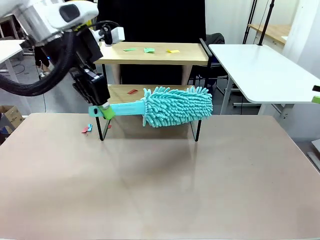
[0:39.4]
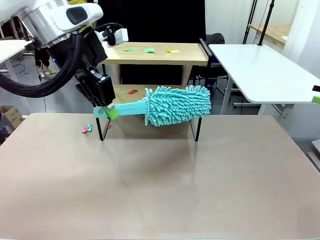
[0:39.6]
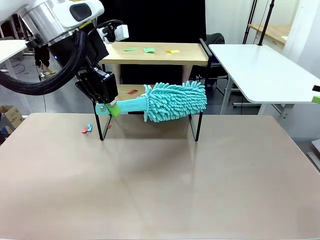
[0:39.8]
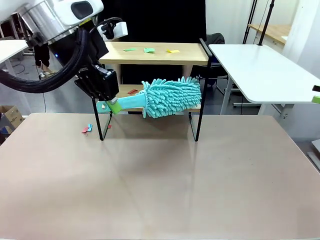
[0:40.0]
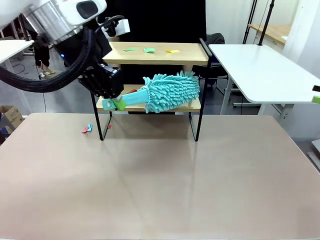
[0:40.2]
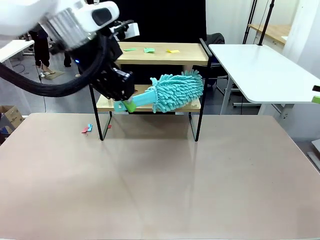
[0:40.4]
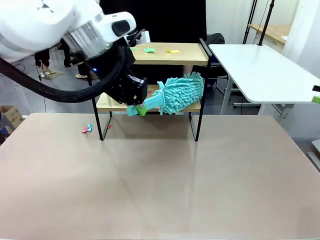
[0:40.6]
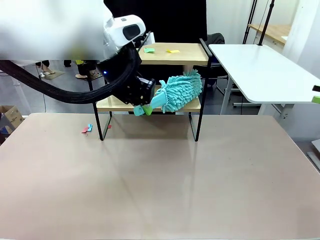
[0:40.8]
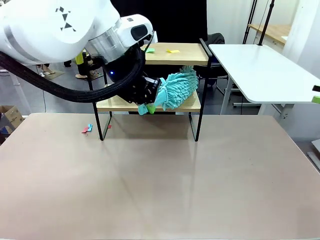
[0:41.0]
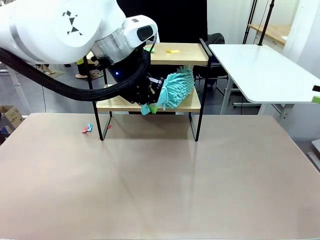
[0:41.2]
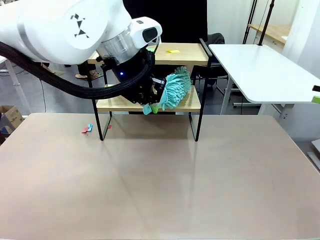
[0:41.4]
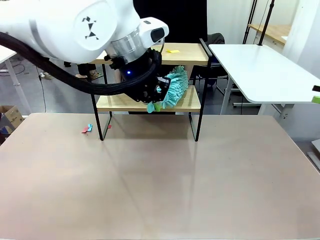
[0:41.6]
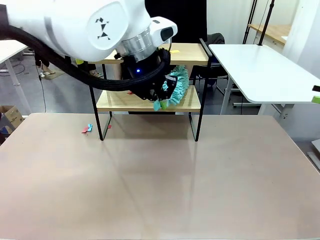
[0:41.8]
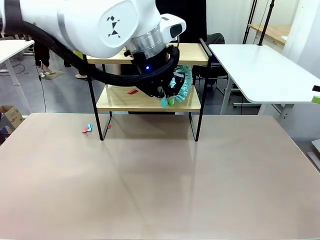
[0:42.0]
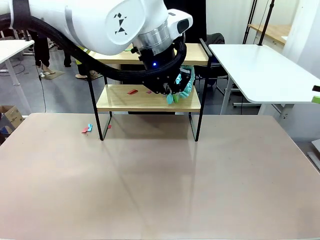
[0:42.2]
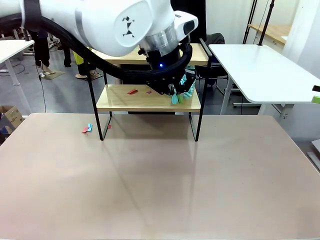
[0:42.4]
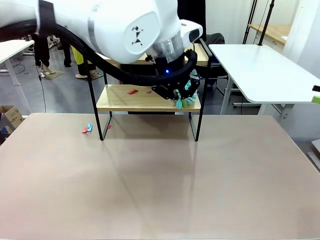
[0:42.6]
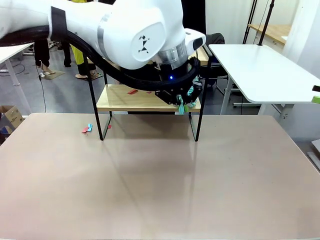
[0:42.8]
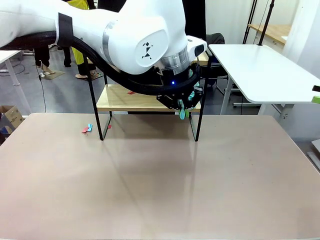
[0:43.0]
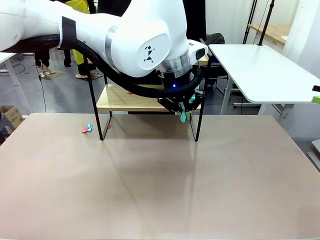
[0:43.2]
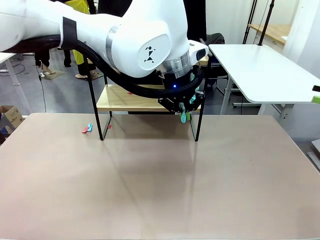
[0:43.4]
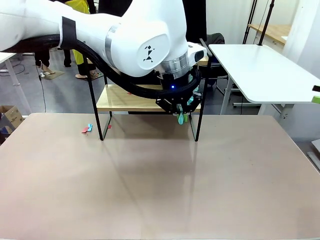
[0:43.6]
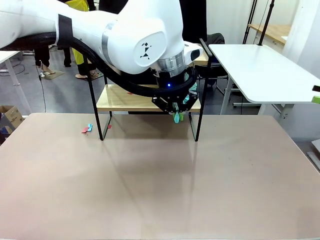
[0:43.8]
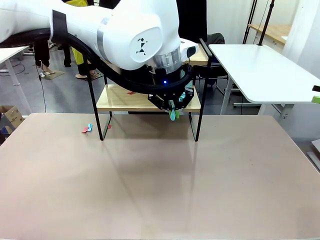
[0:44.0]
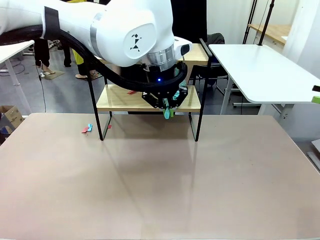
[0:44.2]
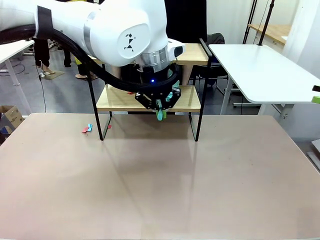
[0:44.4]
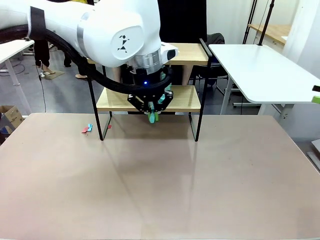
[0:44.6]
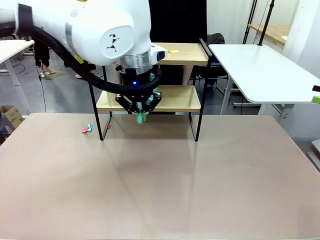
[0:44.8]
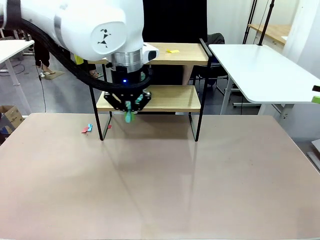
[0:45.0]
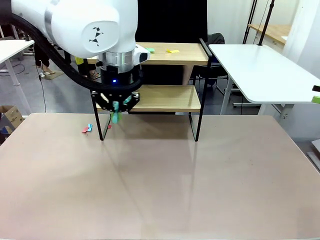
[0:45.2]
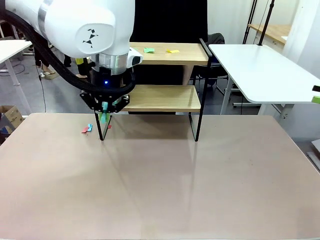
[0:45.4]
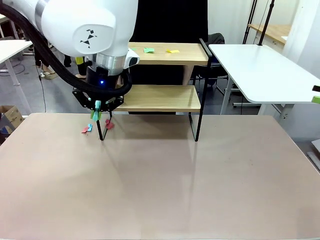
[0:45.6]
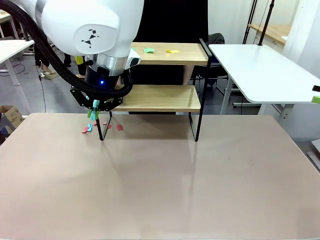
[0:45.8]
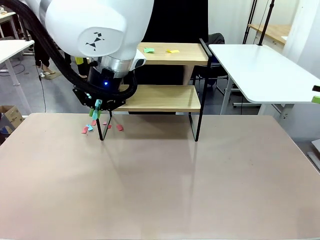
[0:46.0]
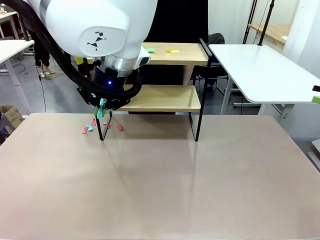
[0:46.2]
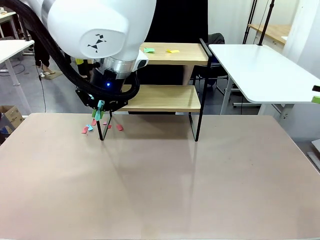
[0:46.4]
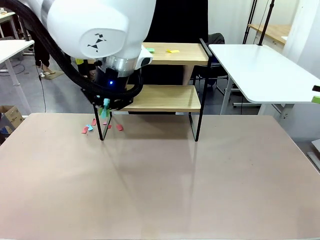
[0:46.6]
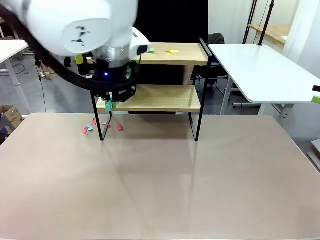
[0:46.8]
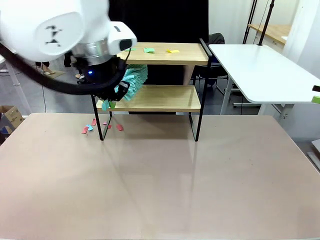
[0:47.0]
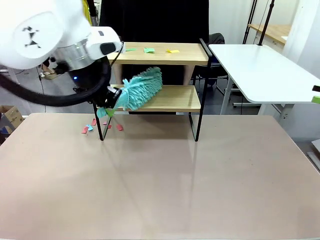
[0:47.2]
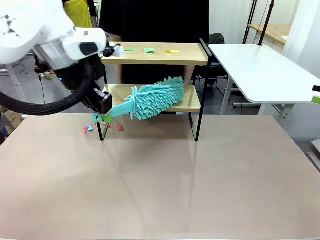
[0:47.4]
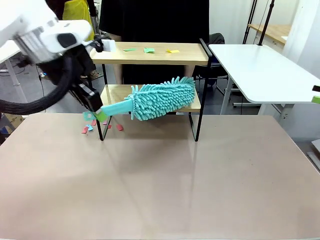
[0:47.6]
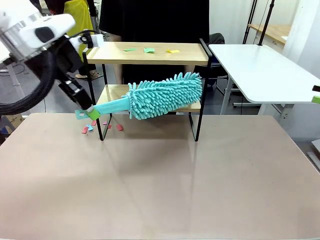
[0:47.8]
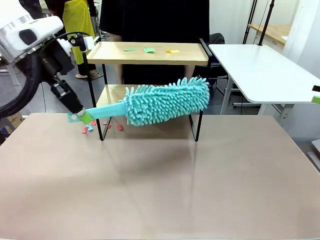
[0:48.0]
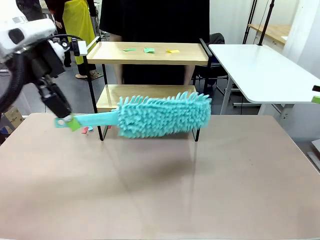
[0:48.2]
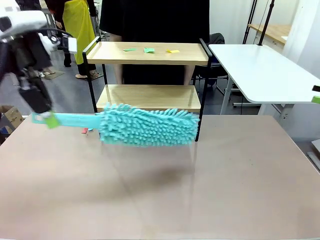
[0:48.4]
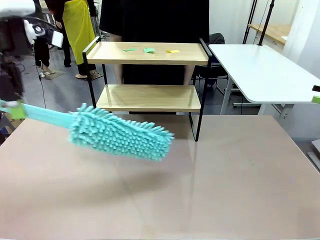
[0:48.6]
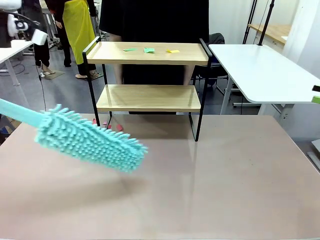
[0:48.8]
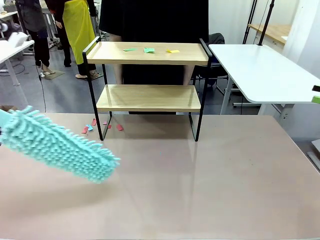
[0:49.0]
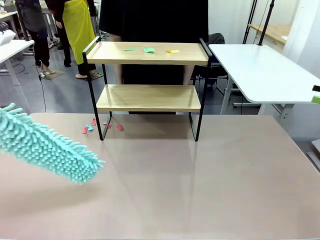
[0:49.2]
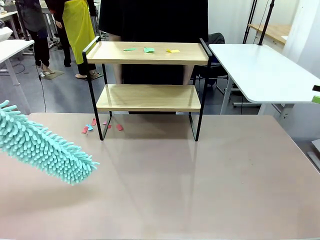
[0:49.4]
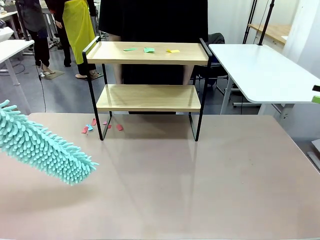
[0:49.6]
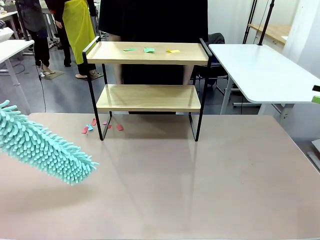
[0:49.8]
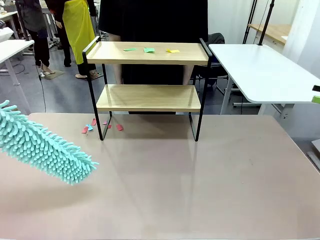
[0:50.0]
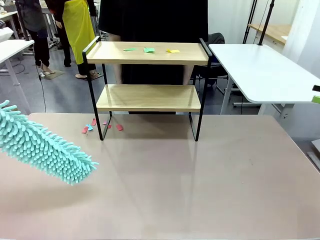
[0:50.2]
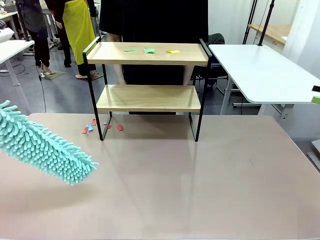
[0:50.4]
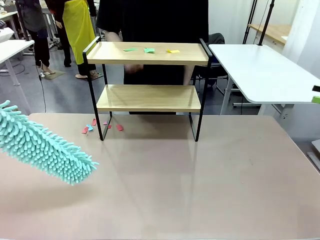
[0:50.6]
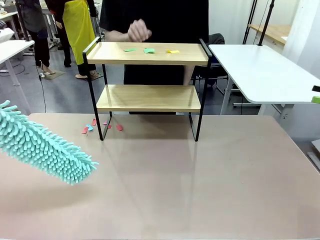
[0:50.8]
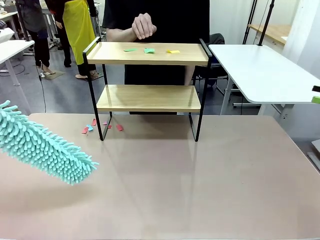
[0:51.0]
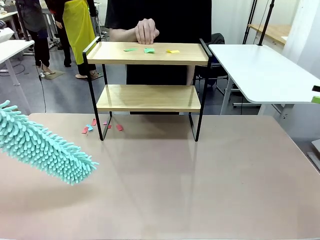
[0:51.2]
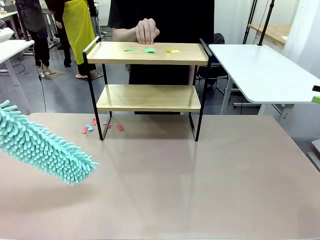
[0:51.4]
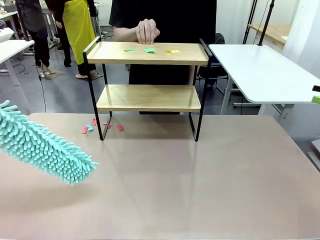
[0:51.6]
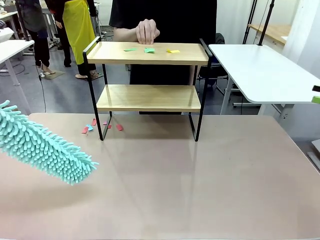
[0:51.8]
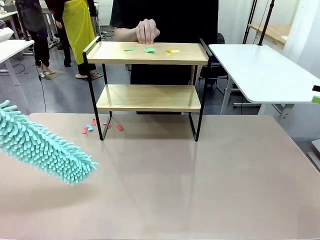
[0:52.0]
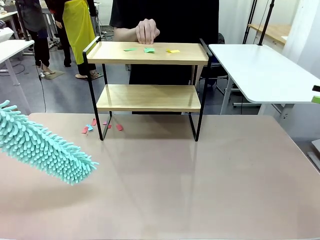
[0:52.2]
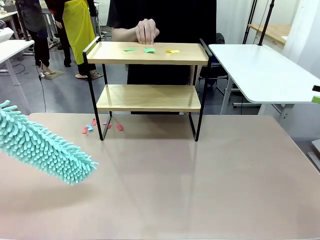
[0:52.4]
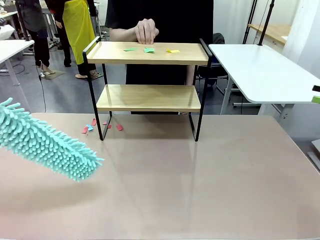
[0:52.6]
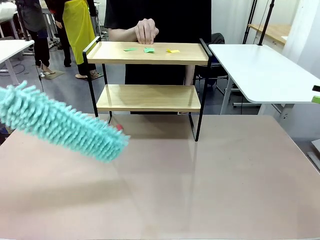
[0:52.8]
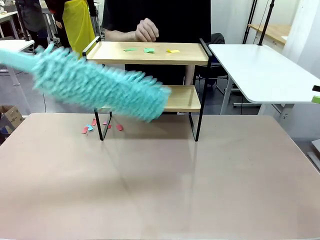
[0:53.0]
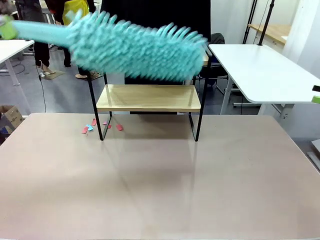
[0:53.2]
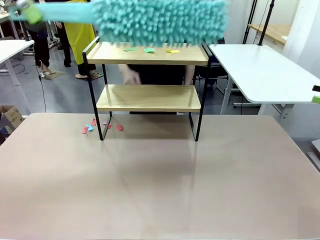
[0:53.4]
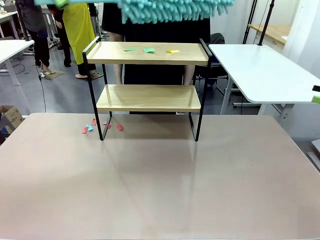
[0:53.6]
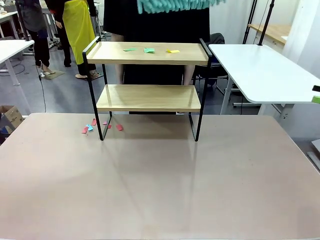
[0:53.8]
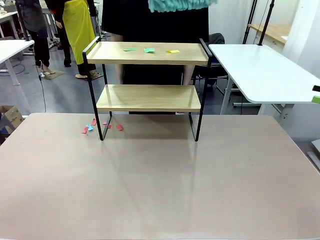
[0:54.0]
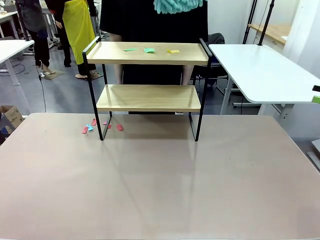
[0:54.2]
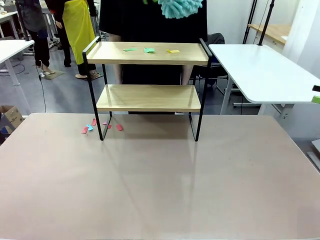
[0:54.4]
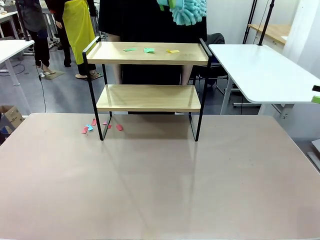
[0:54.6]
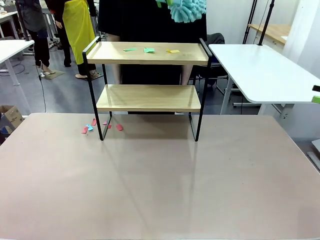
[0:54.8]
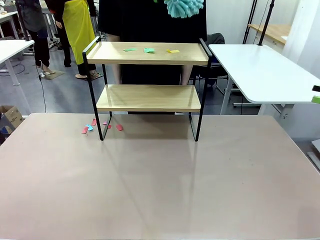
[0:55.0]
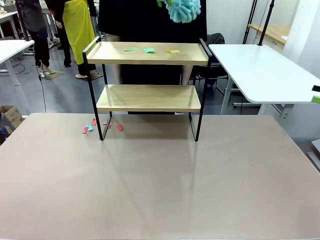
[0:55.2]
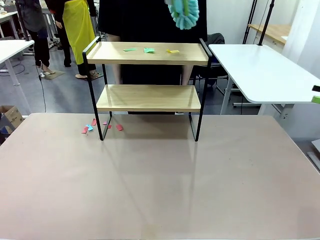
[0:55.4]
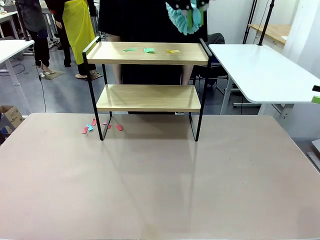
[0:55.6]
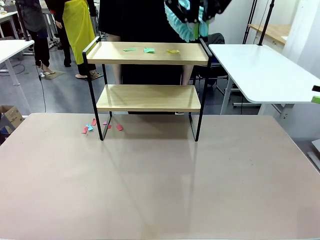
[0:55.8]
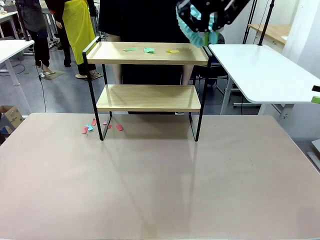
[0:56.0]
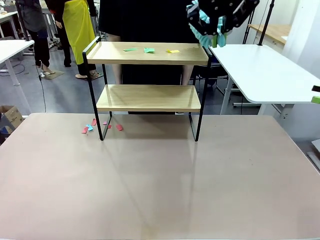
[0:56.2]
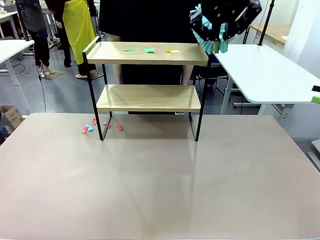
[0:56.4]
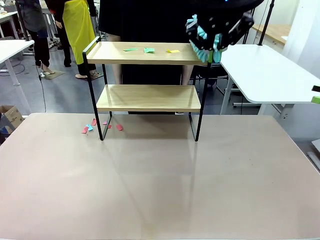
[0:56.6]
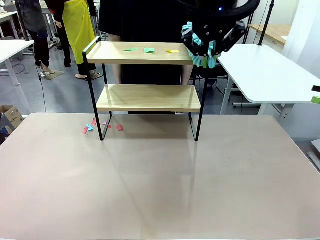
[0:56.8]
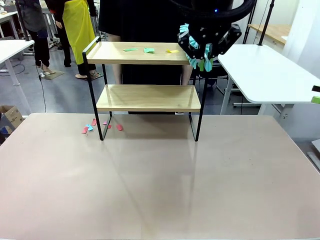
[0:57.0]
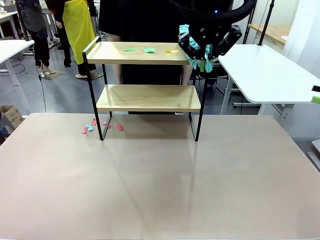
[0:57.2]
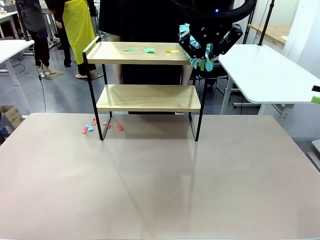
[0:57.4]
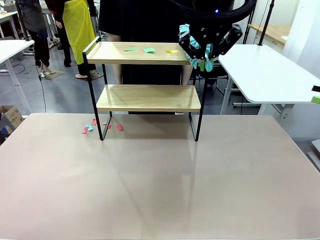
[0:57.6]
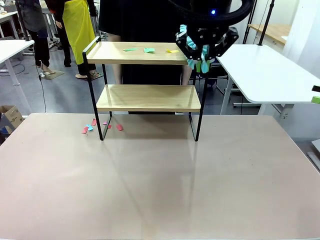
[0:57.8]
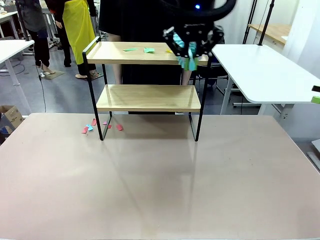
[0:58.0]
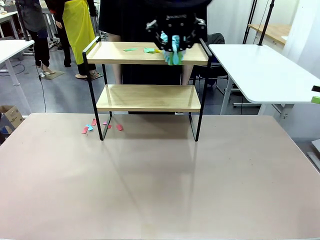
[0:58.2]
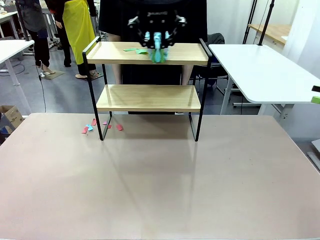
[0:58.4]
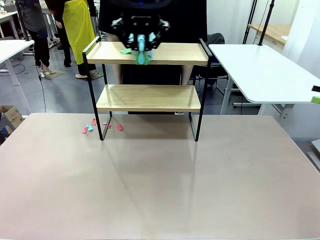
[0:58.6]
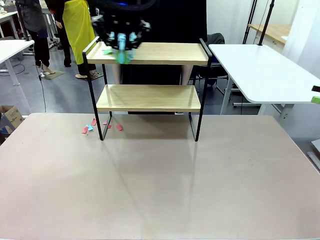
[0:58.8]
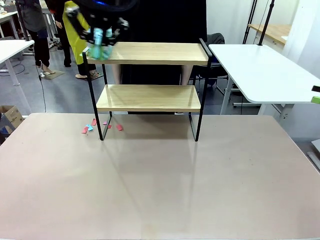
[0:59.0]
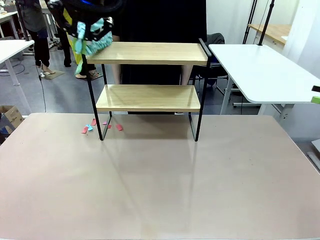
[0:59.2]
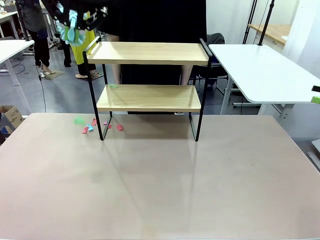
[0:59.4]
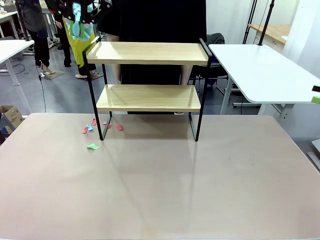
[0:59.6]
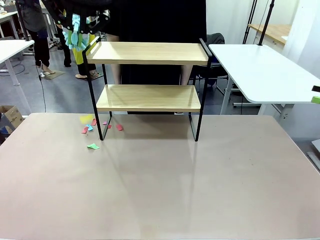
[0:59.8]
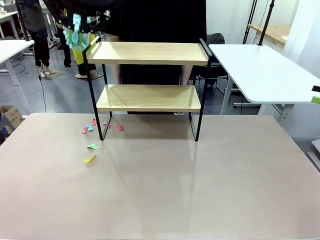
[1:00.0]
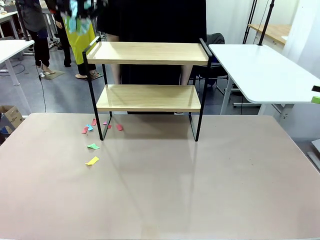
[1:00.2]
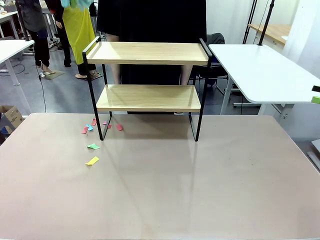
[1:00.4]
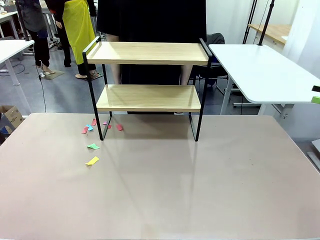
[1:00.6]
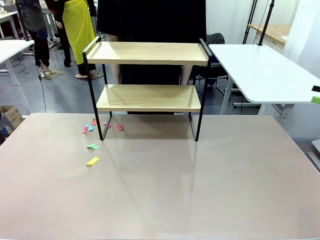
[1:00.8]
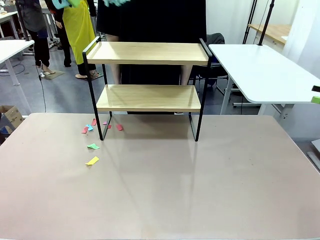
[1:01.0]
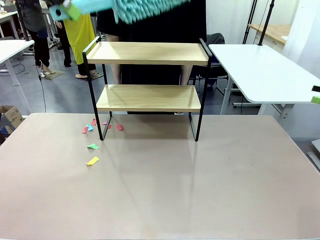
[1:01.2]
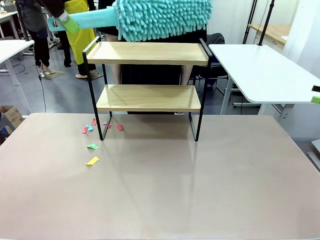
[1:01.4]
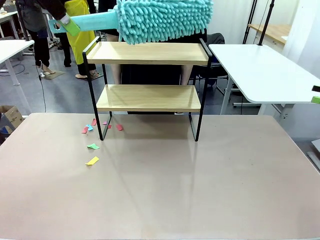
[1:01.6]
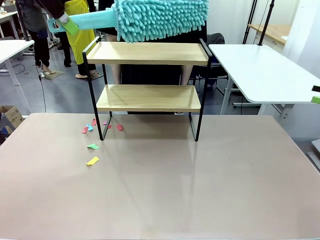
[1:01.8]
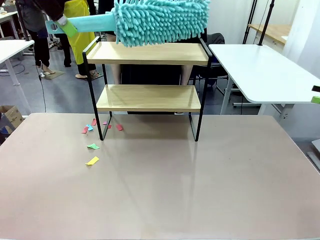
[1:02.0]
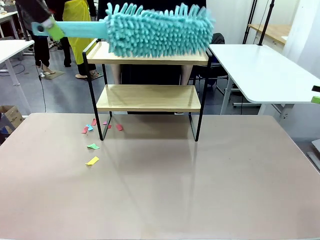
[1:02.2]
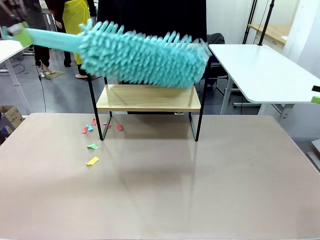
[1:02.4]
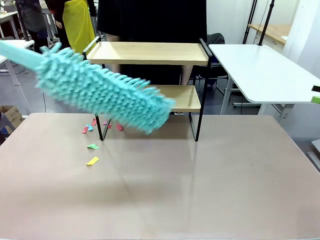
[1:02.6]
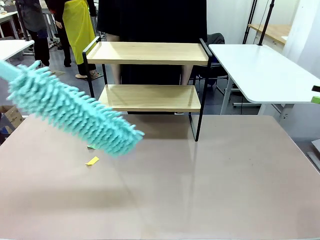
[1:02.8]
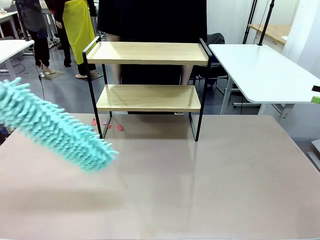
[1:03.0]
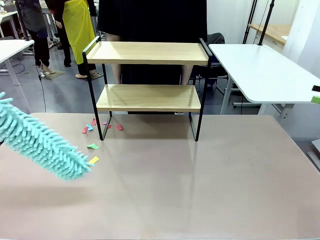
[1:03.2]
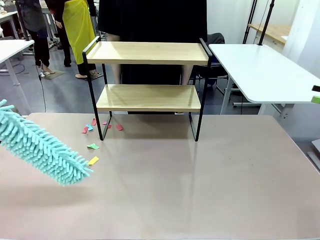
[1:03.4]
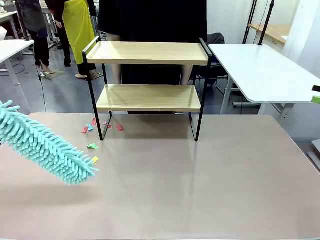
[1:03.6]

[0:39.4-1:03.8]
Task: Clean the shelf.
Robot: Clean the specific section of the Shelf indicated by the human with the Duster.
Person: Point a remaining section of the Shelf.
